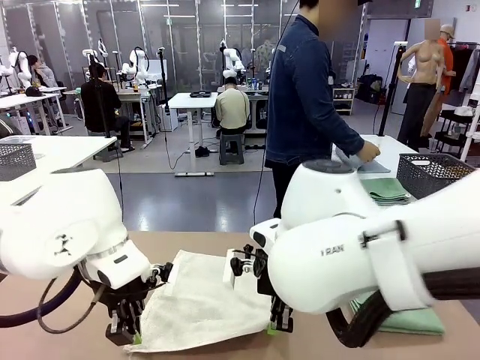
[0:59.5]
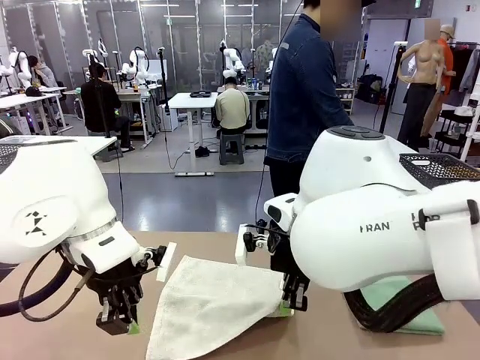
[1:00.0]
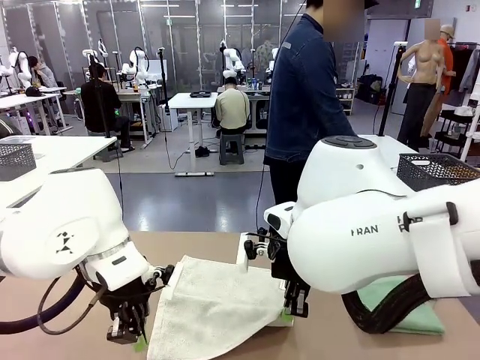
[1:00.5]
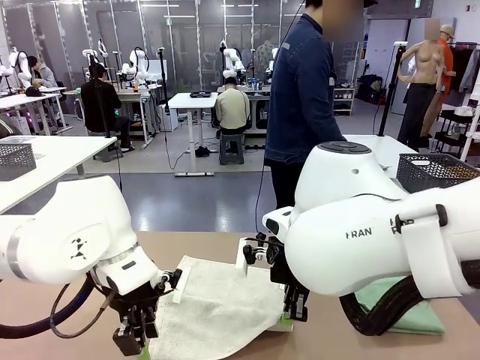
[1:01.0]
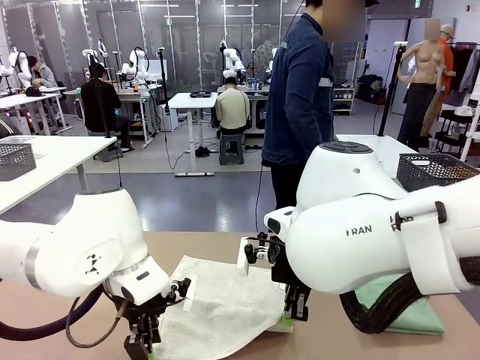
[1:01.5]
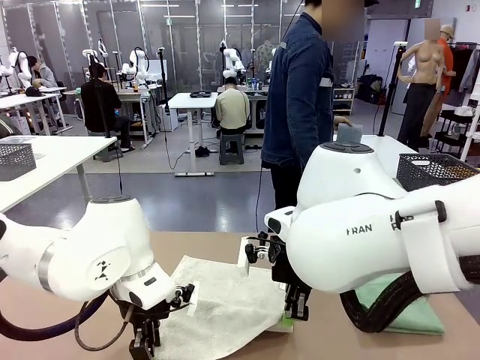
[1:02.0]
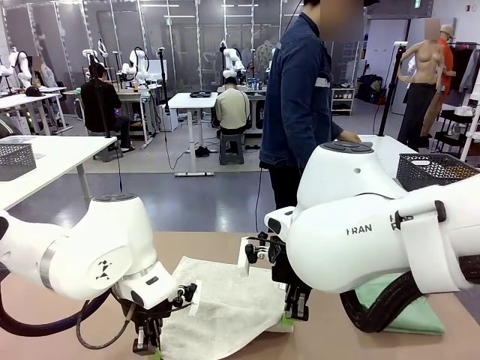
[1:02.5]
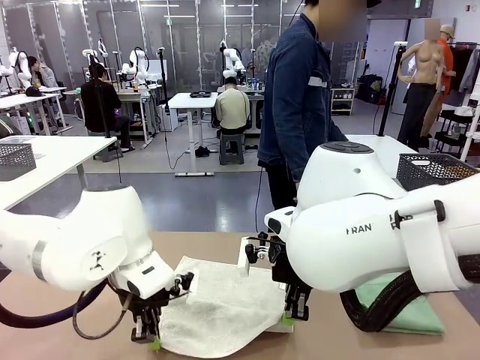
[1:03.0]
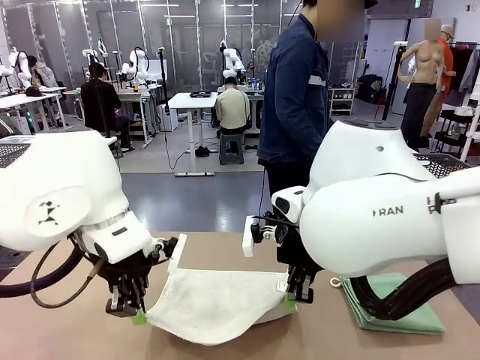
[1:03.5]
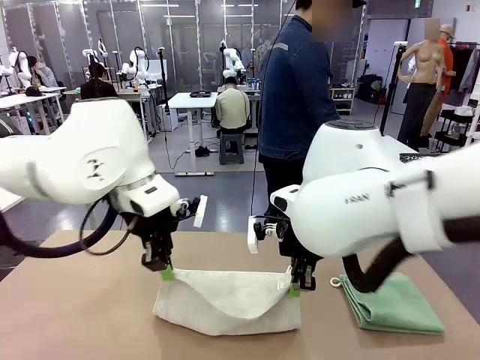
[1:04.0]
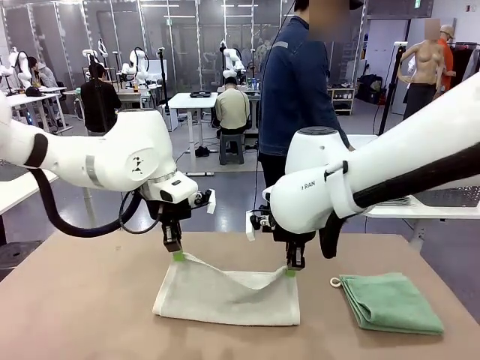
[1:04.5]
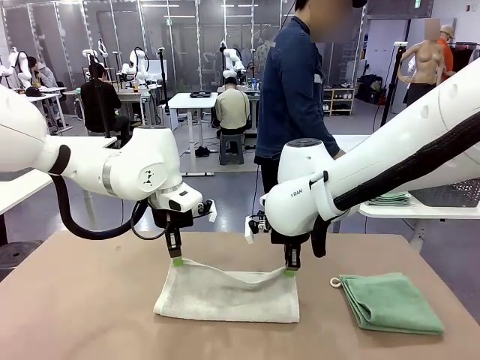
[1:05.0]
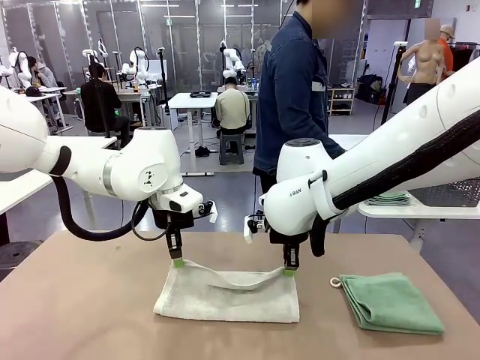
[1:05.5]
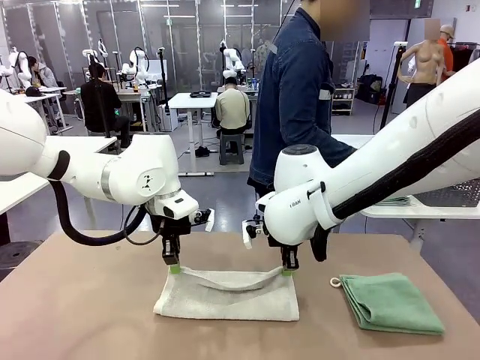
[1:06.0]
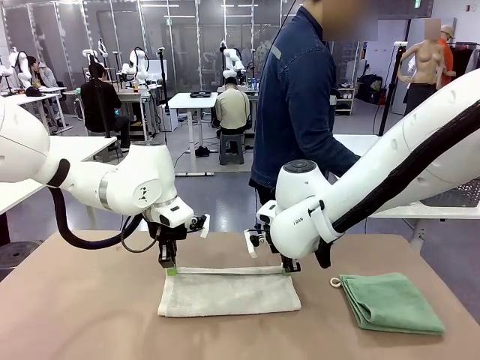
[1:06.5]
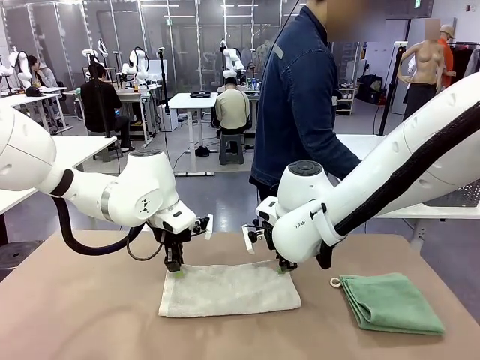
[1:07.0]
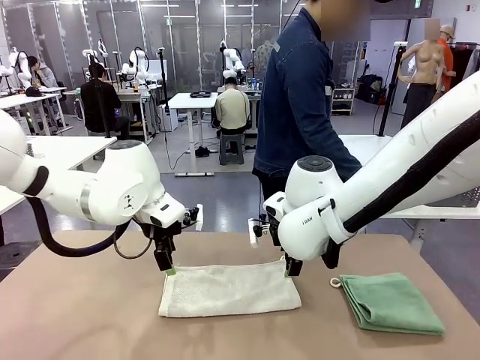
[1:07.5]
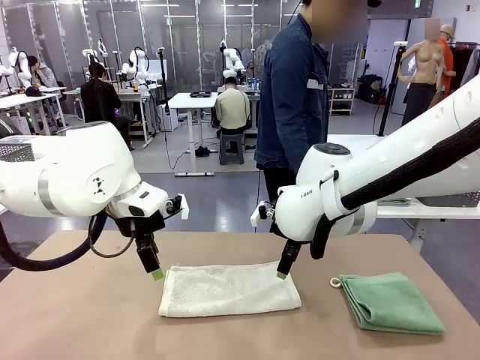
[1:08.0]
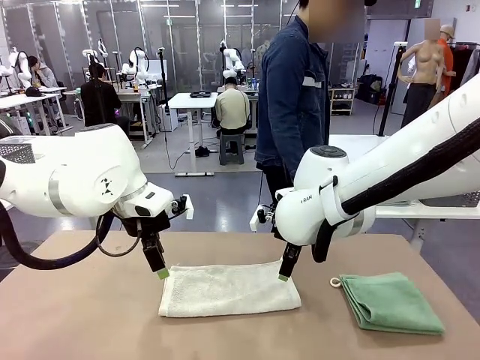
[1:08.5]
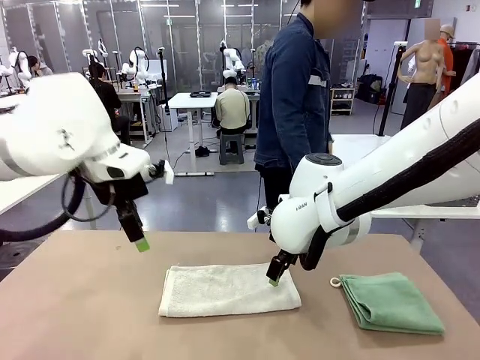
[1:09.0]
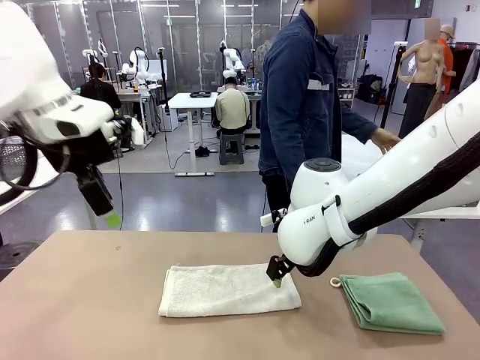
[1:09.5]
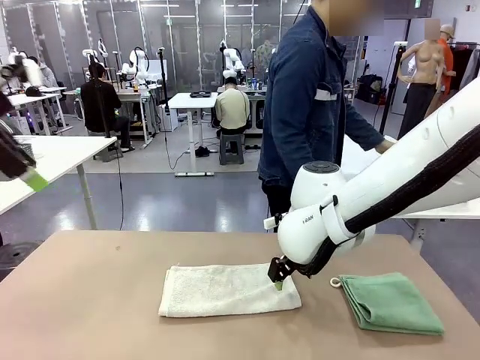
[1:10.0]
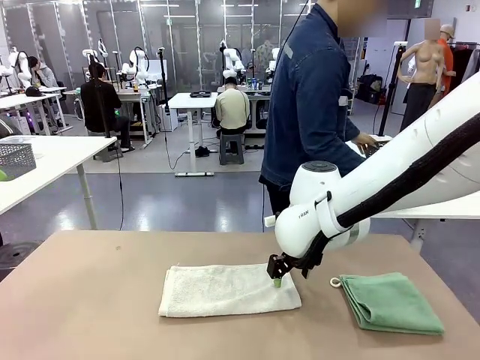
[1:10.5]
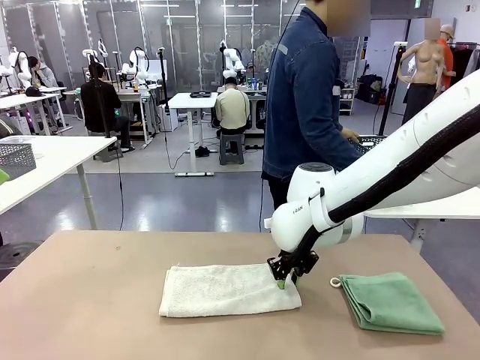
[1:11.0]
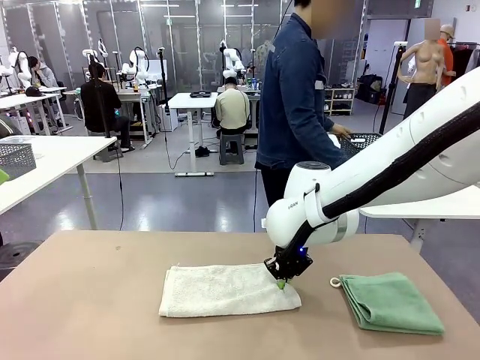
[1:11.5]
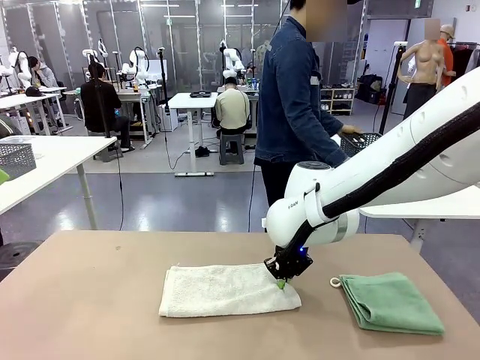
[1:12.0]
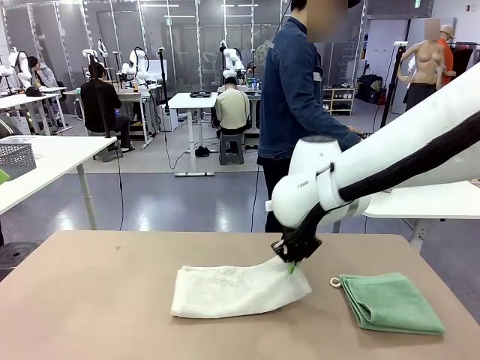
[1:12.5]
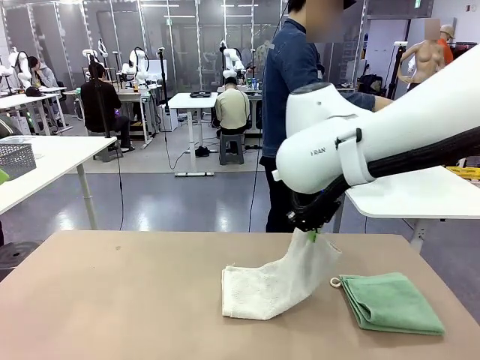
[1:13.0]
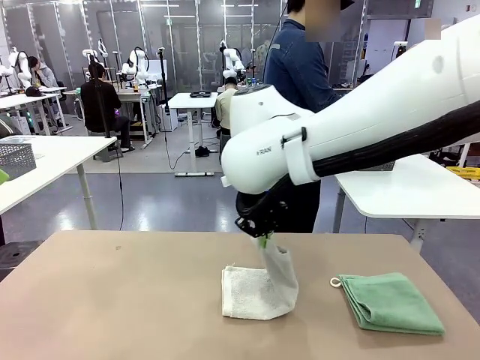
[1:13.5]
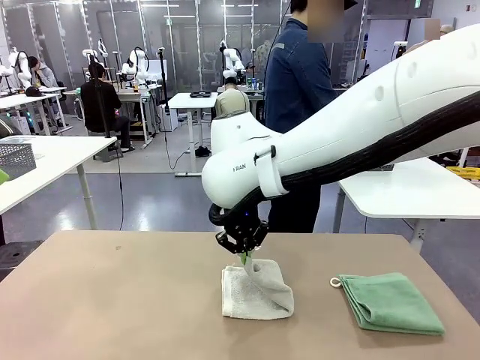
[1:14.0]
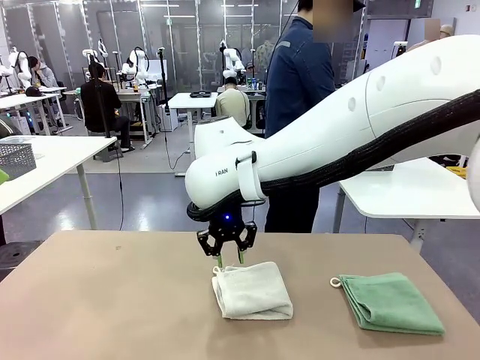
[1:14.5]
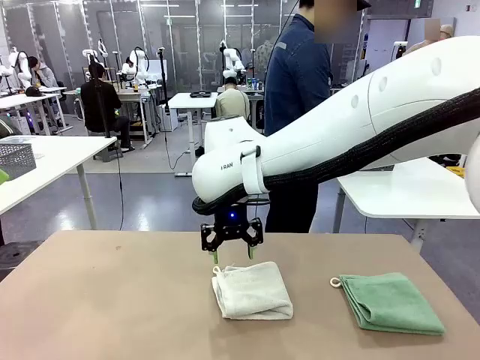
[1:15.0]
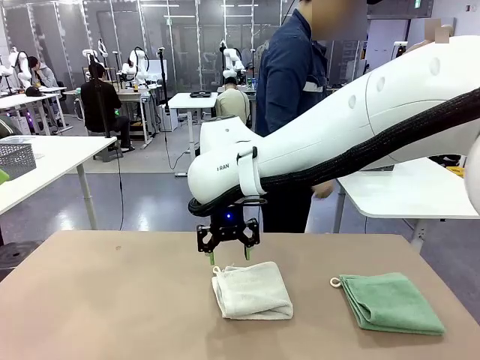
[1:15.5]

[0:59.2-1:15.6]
Task: Fold the towels and place them in the basket.
Robot: When a person lays out a Towel with hook on the table, fold it in half twice.
Person: Pick up one towel from the left side of the human table, fold it in half twice, and stack it on the right side of the table. Pick up the stack of towels from the right side of the human table, place it into the basket, and put the basket at the center of the table.

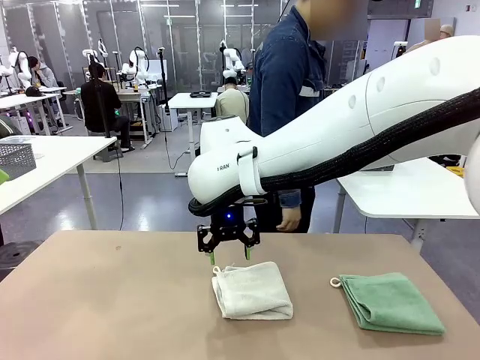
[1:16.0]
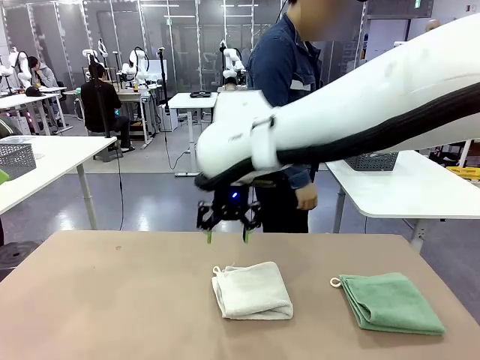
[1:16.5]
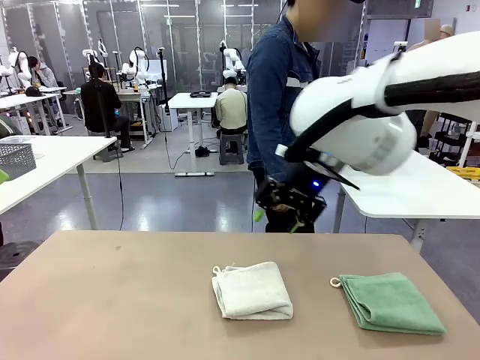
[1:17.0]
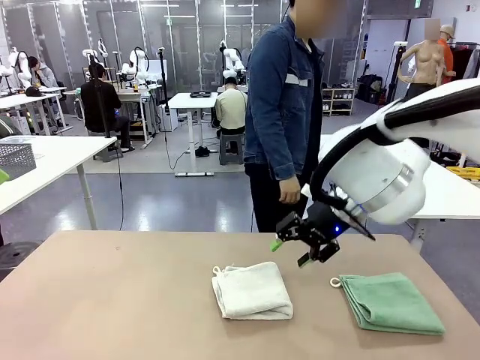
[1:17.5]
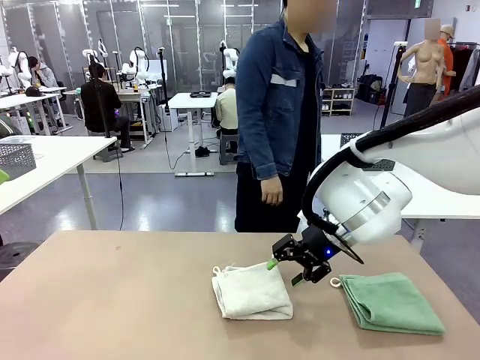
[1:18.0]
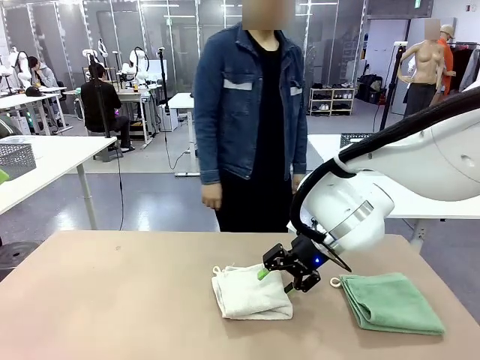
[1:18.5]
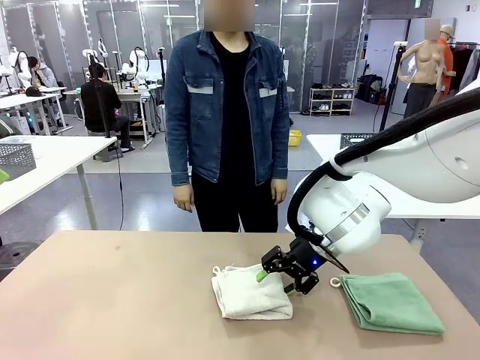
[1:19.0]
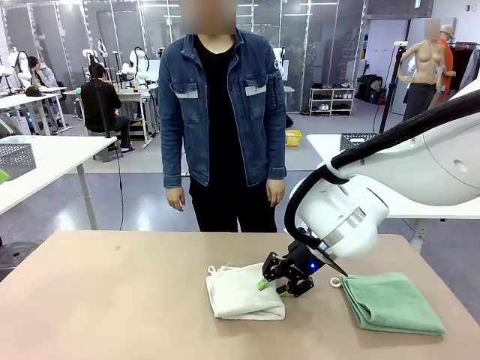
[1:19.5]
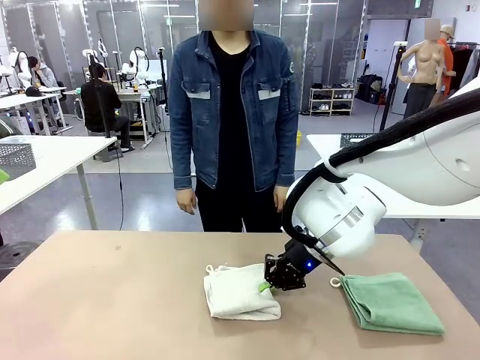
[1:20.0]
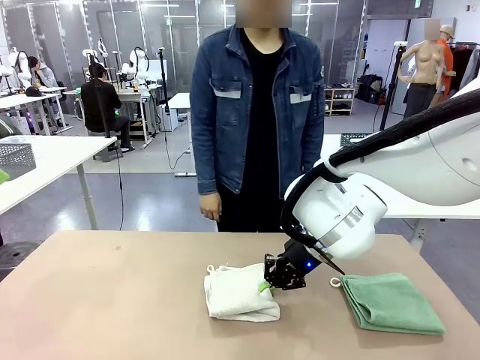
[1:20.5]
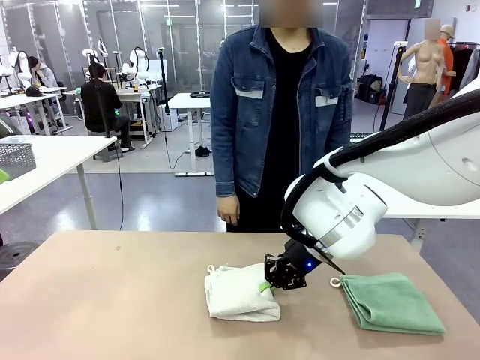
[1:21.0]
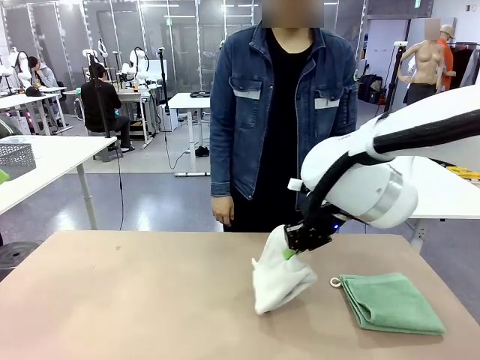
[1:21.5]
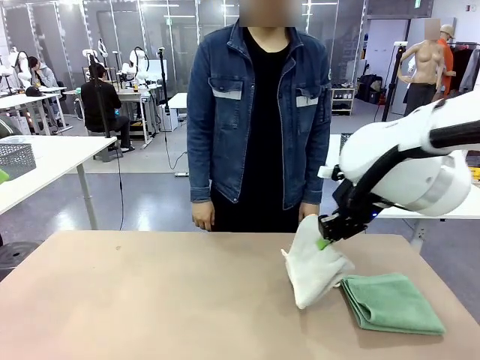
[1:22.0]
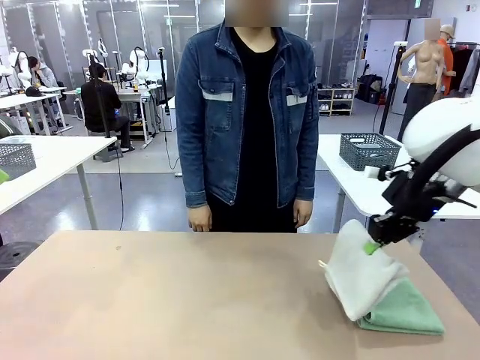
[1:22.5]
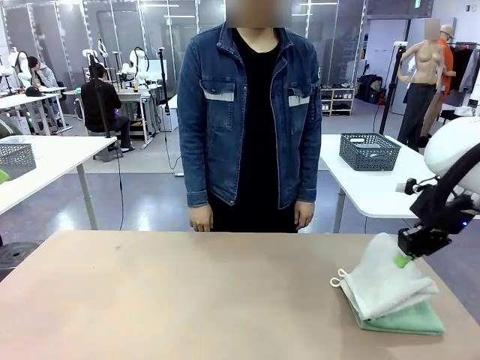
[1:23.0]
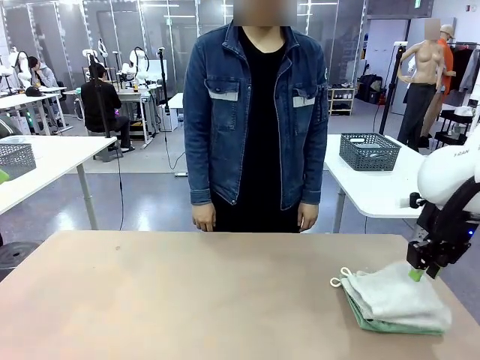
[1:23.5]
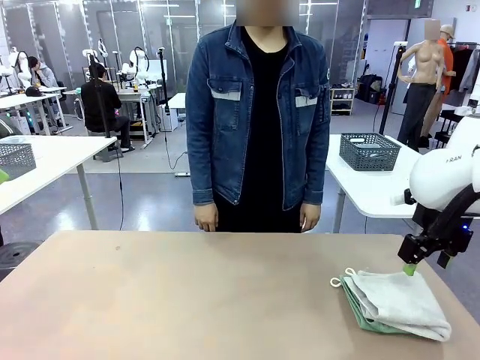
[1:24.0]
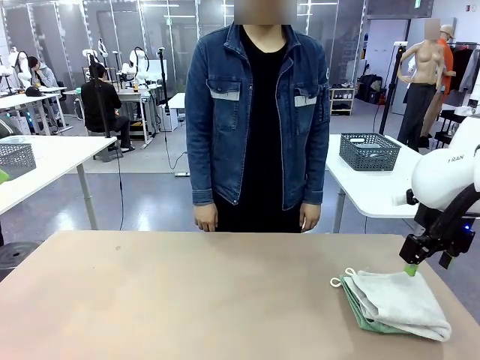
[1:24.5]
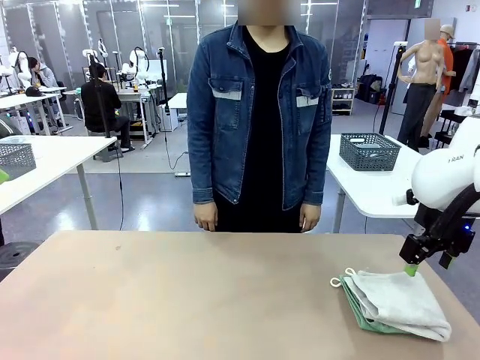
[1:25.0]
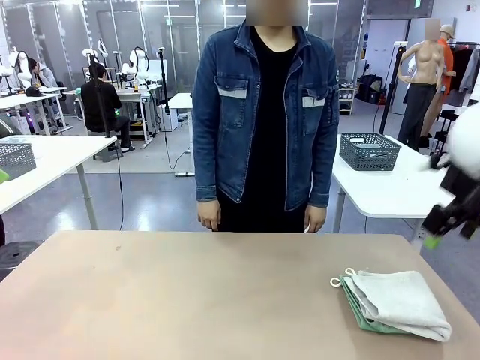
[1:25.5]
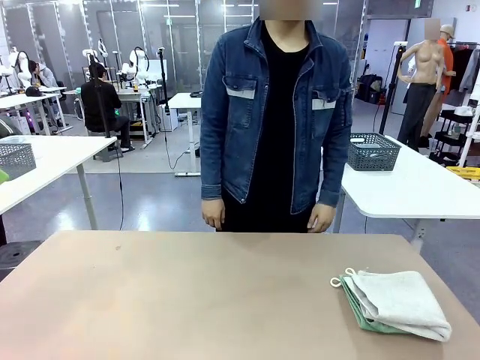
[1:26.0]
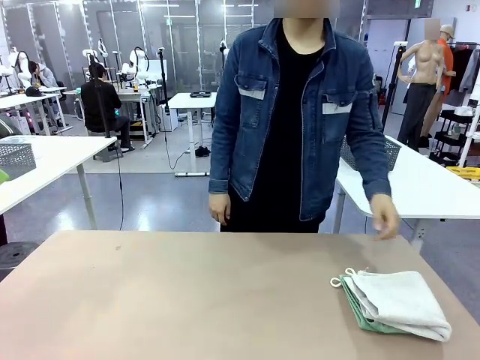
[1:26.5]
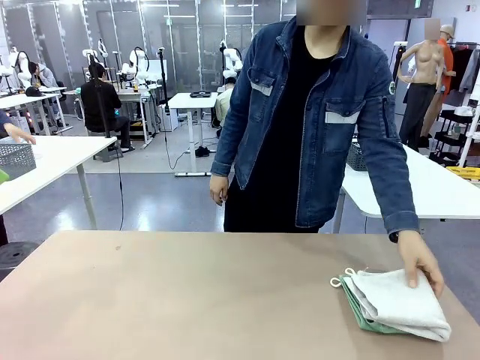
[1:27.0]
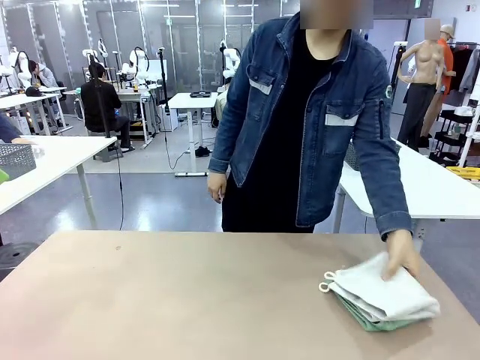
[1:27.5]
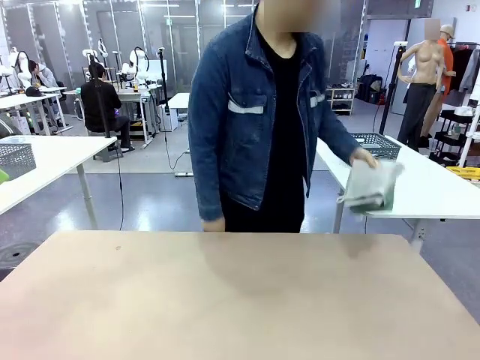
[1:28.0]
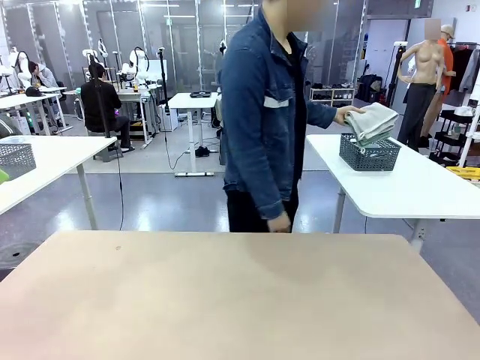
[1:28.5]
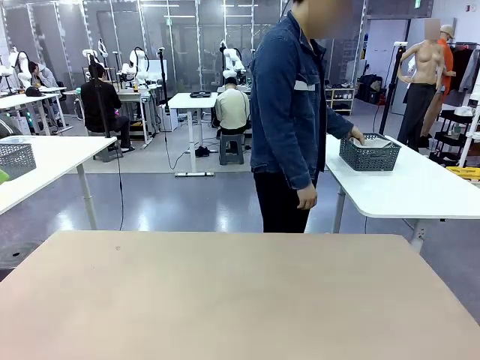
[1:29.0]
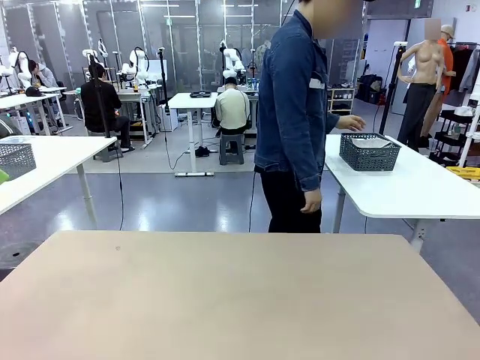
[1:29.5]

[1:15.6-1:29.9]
Robot: Stack the folded Towel with hook on the right side of the table.
Person: Pick up the stack of towels from the robot table and place it into the basket.
